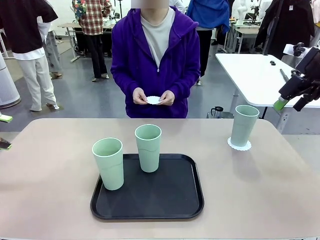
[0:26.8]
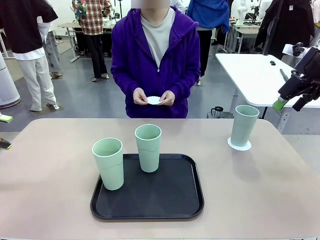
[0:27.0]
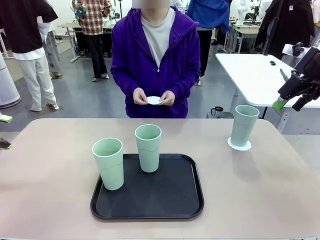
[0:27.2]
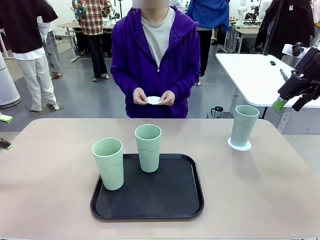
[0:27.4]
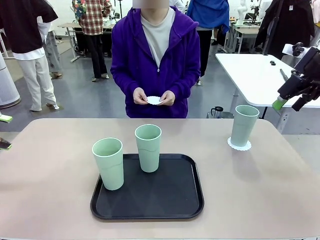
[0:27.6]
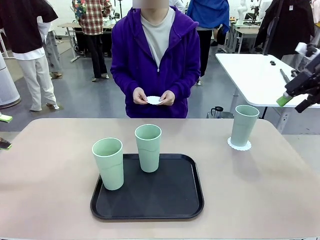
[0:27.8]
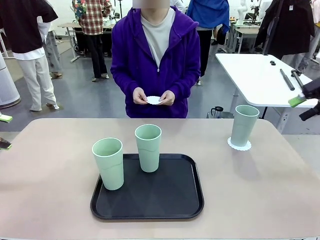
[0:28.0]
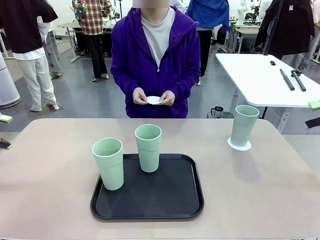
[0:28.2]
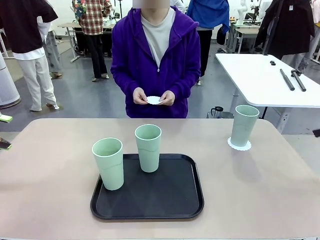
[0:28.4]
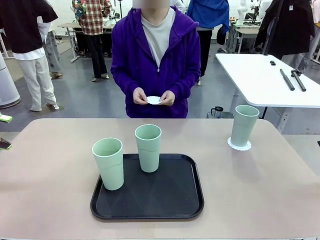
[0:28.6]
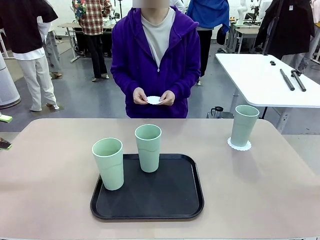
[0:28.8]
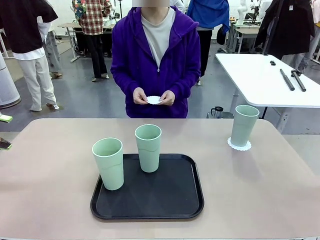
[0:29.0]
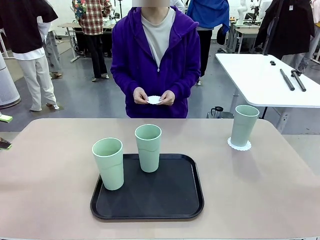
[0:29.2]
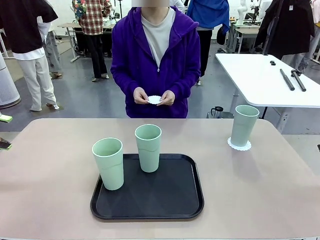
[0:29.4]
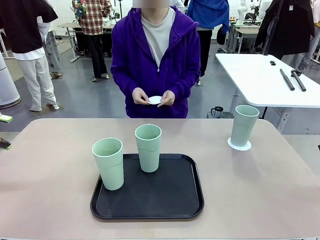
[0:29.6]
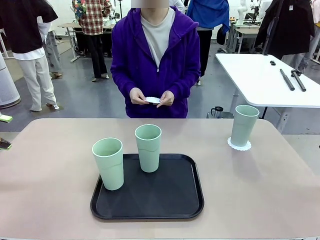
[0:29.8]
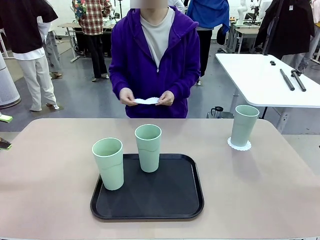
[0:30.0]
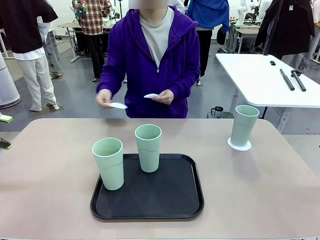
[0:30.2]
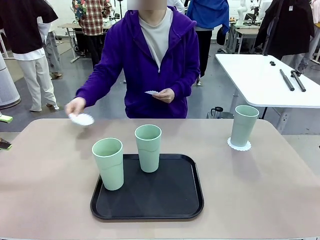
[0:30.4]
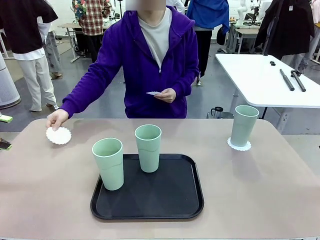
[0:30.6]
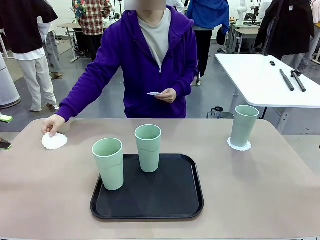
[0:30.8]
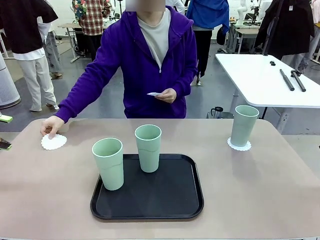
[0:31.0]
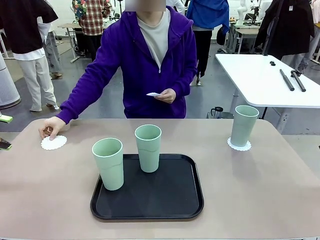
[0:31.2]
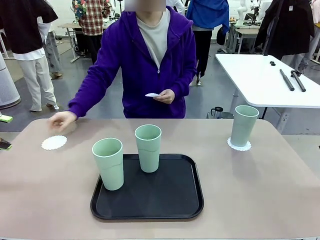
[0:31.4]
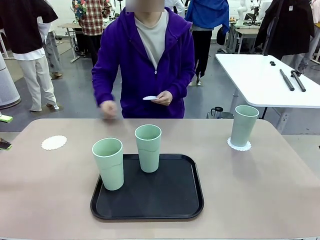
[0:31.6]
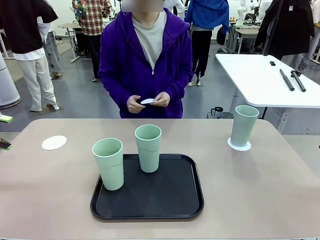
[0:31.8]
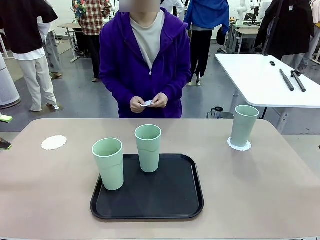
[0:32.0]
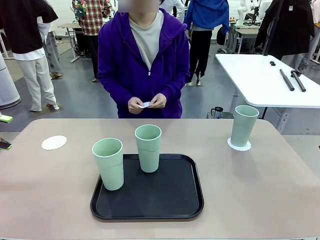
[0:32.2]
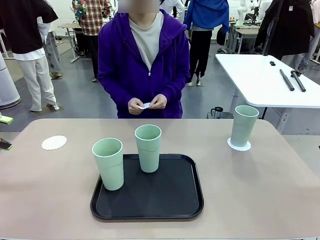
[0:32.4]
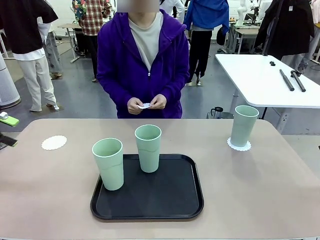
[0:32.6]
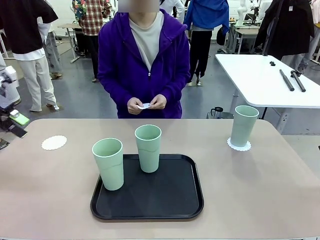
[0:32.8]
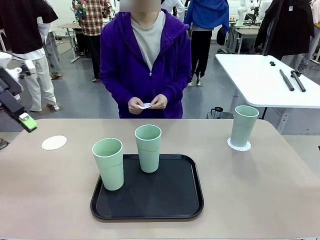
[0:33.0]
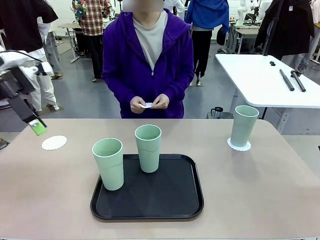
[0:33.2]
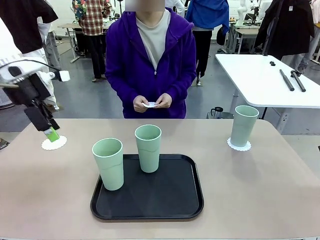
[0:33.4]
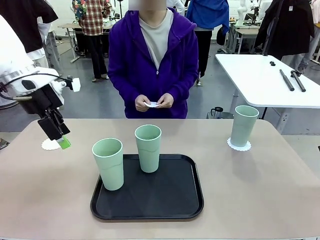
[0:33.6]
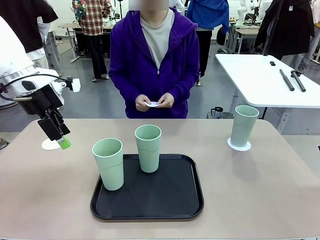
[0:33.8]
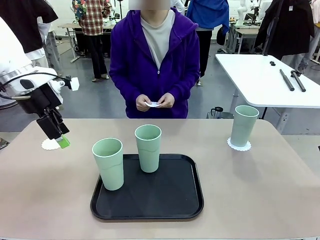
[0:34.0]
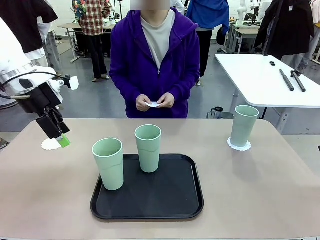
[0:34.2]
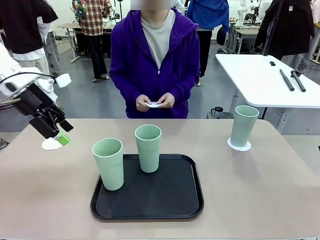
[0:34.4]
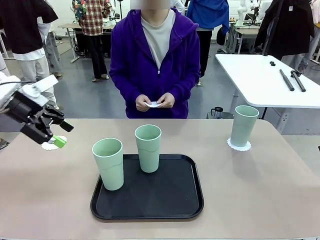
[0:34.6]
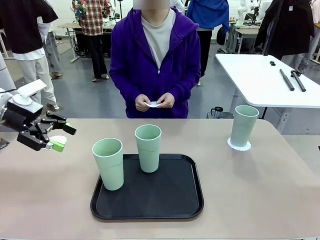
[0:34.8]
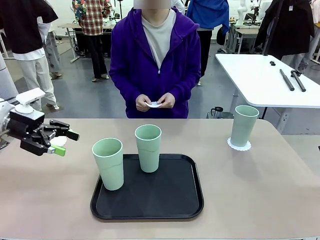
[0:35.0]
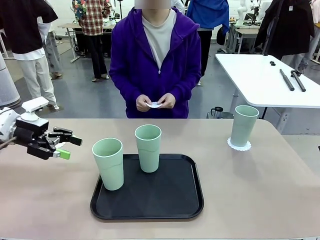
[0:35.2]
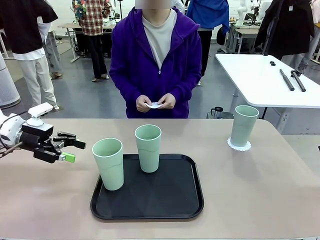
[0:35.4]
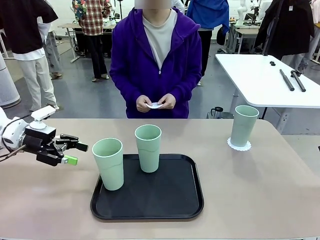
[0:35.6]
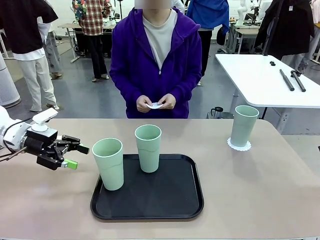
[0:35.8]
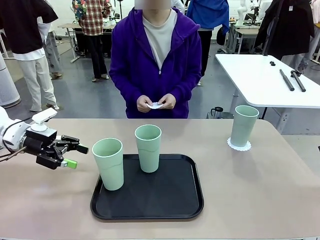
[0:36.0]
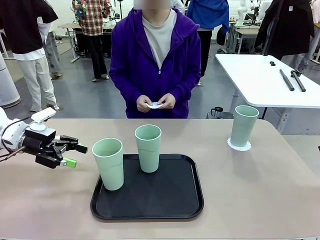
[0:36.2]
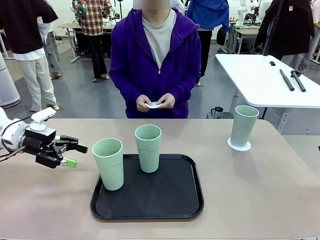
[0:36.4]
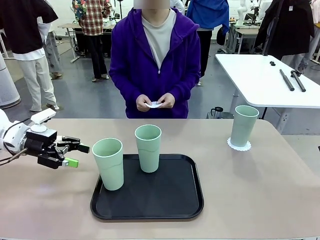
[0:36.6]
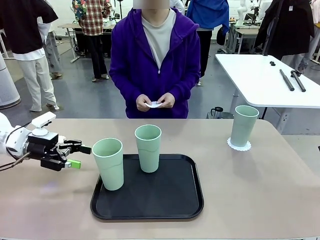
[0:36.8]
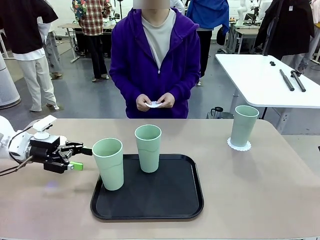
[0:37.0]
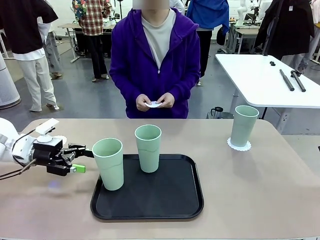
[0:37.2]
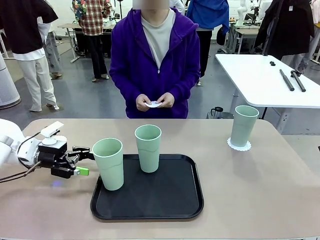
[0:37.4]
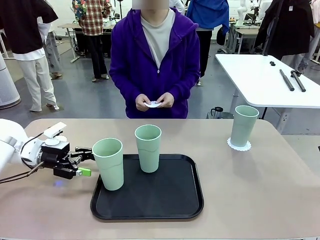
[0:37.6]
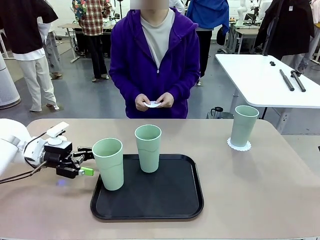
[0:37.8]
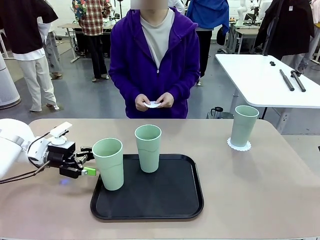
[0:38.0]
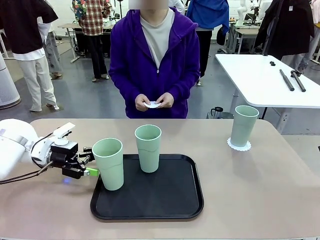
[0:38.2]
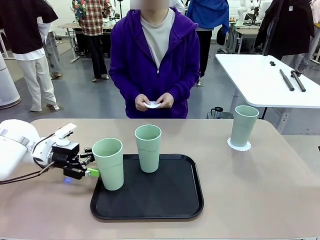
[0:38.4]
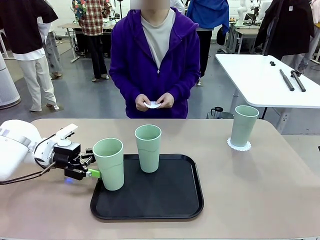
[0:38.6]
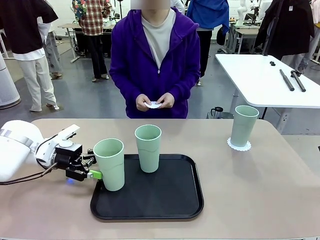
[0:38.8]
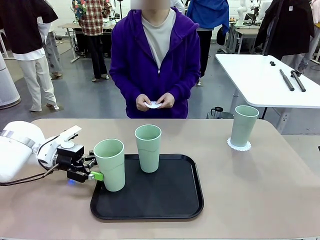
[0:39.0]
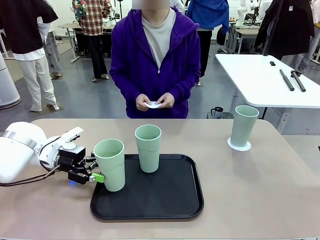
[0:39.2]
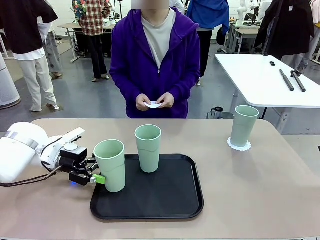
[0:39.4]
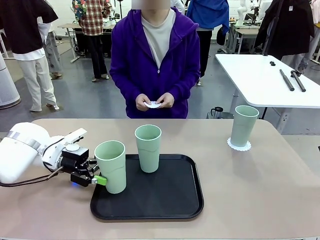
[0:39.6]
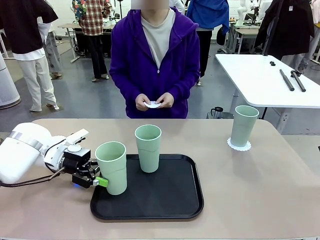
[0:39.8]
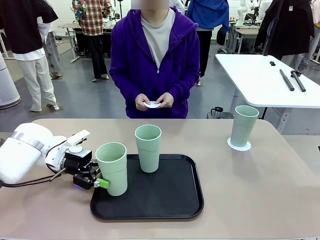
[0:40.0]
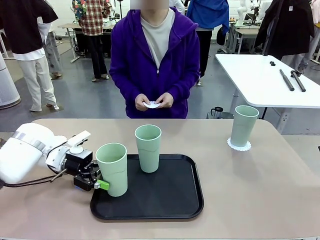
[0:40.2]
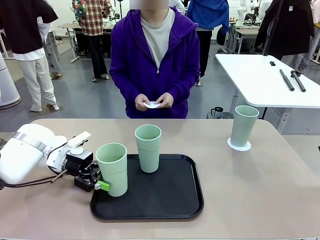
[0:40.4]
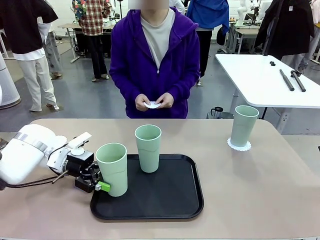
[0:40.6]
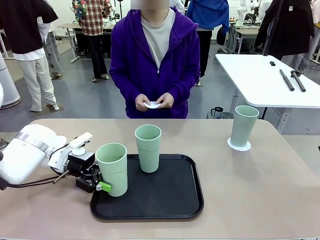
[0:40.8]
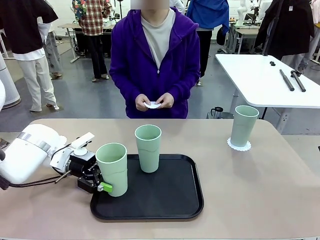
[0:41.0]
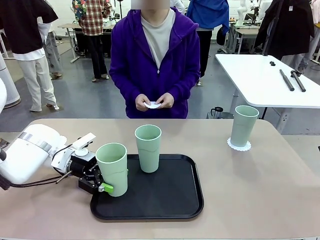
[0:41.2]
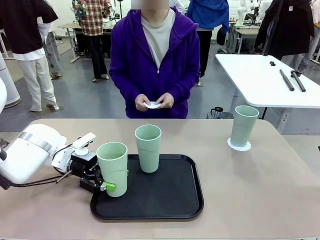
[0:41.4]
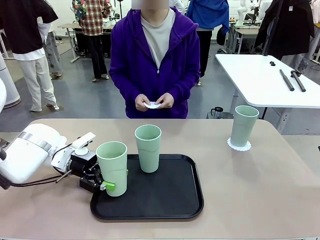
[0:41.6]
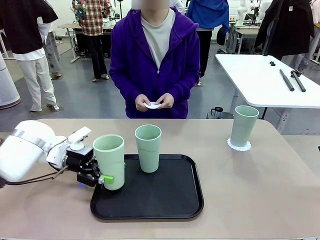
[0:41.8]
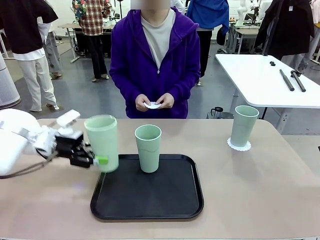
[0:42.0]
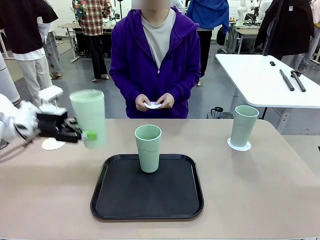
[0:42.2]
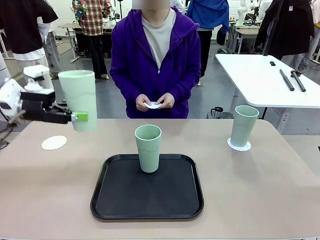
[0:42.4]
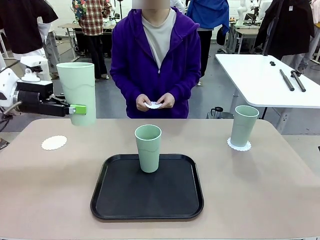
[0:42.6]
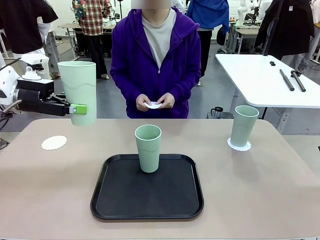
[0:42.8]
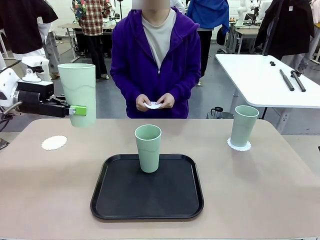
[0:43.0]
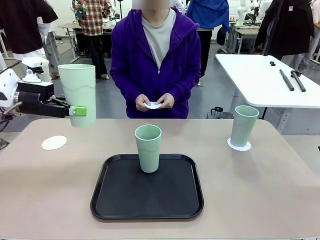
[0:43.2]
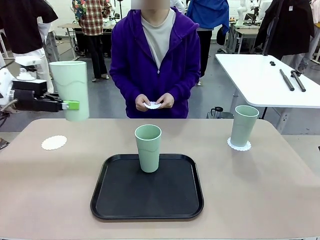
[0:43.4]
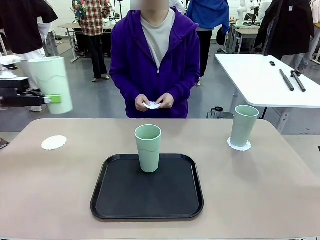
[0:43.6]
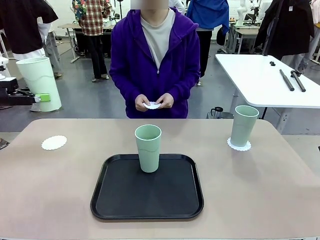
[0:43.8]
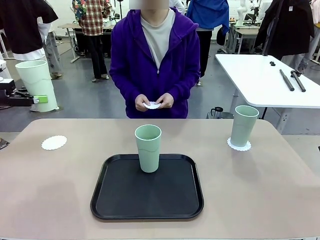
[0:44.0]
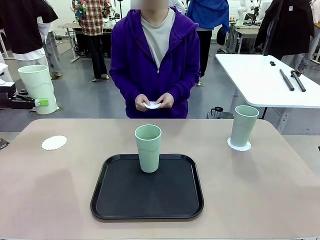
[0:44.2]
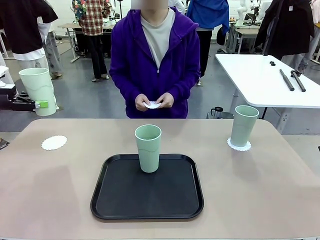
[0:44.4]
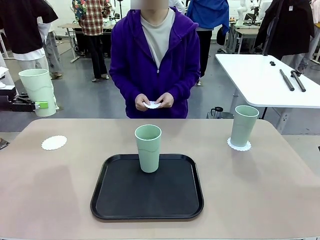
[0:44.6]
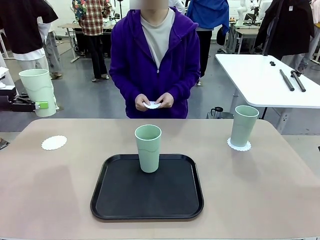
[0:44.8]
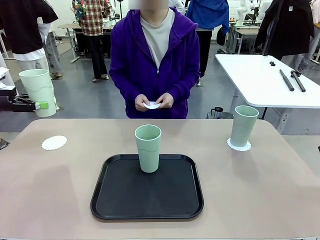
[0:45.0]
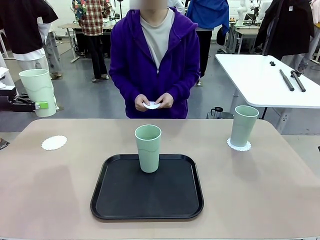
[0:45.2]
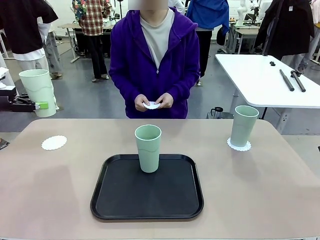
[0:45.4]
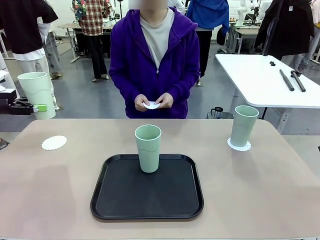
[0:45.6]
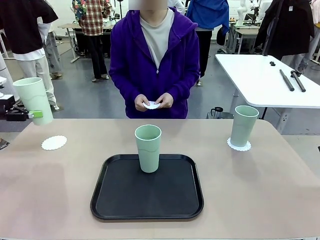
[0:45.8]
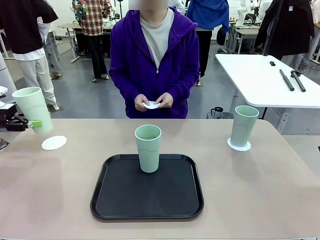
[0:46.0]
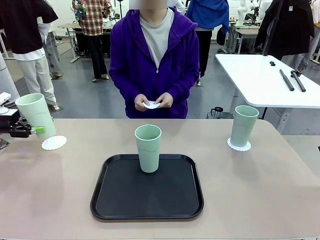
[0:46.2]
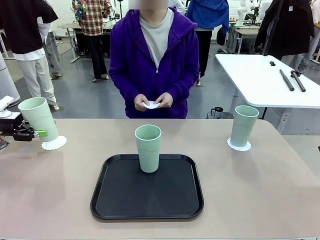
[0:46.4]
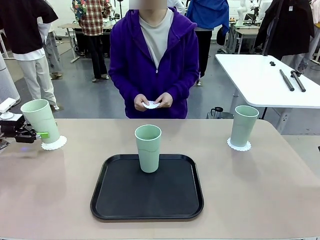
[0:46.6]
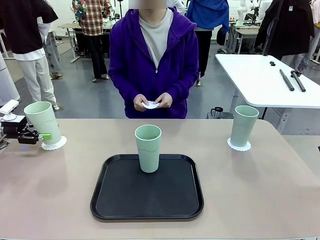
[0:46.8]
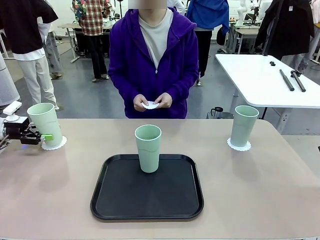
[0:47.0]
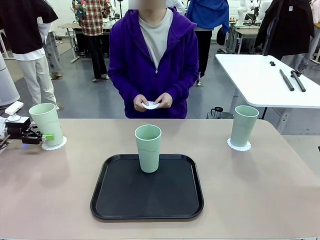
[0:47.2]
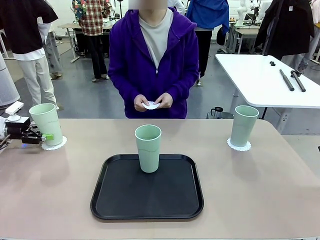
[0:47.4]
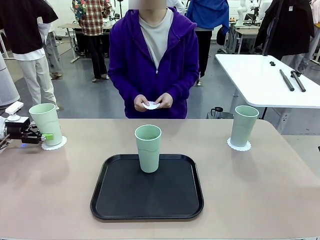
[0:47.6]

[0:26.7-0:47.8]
Task: Place coasters on the table and set cups on them.
Robot: Take one Reusable plastic cup from the Flat Tray and place it on a coaster set by the human.
